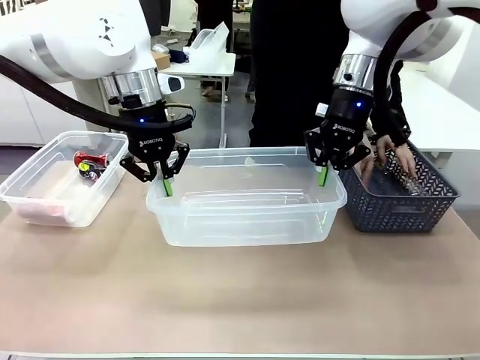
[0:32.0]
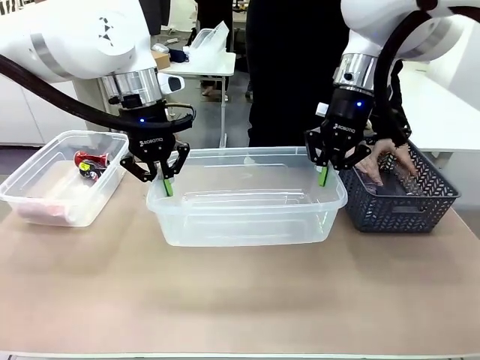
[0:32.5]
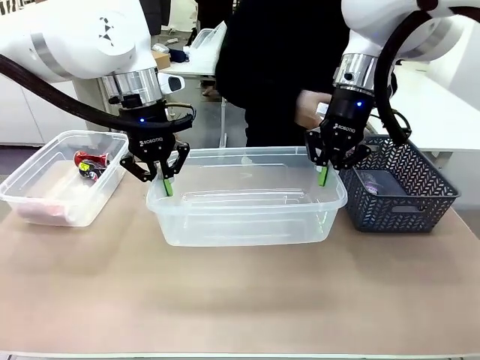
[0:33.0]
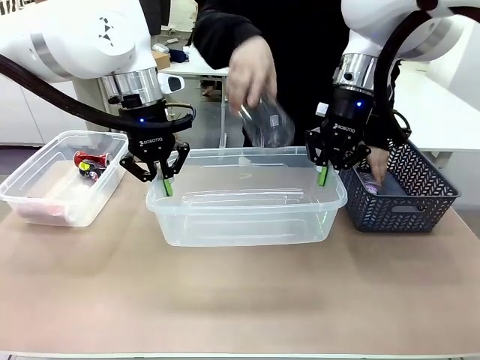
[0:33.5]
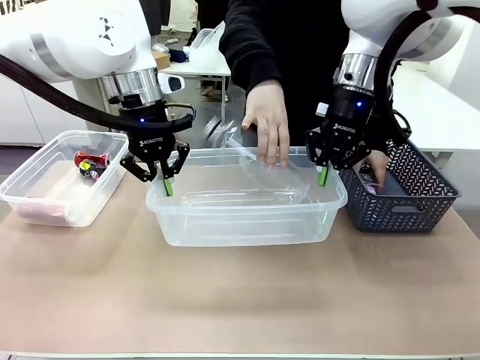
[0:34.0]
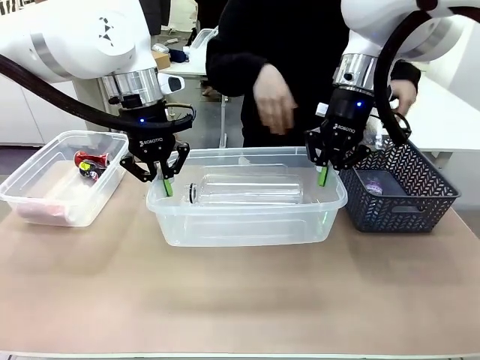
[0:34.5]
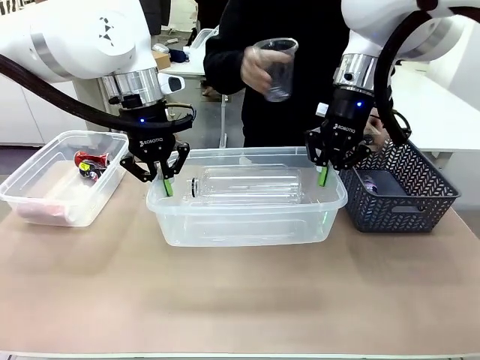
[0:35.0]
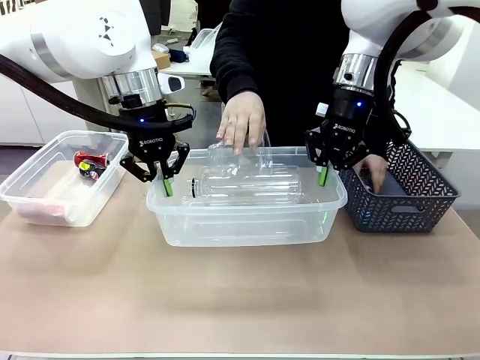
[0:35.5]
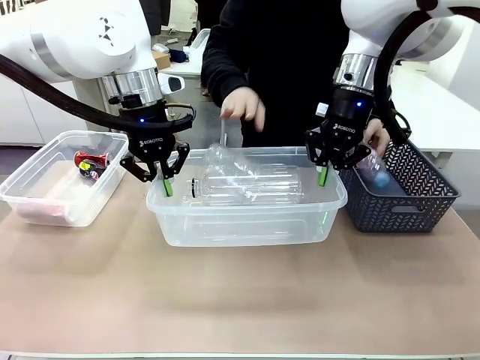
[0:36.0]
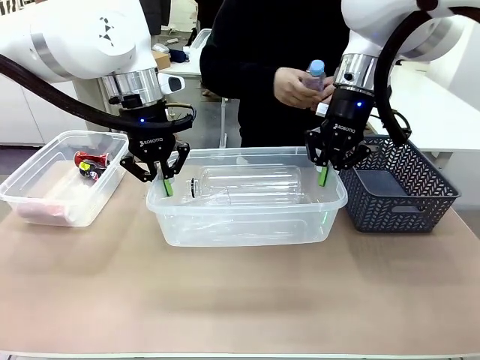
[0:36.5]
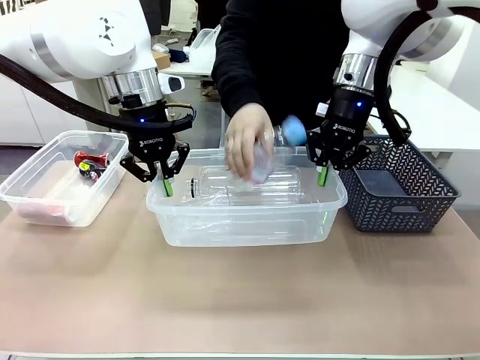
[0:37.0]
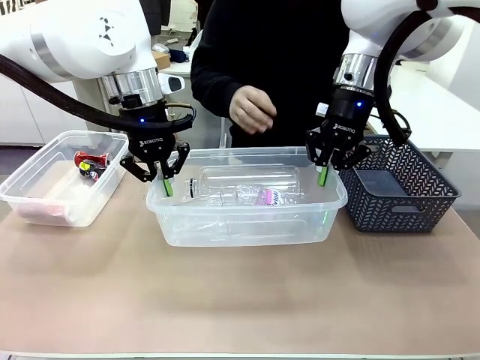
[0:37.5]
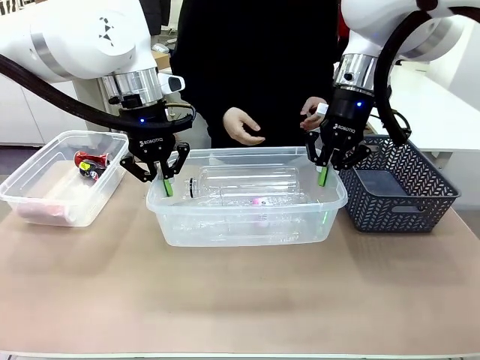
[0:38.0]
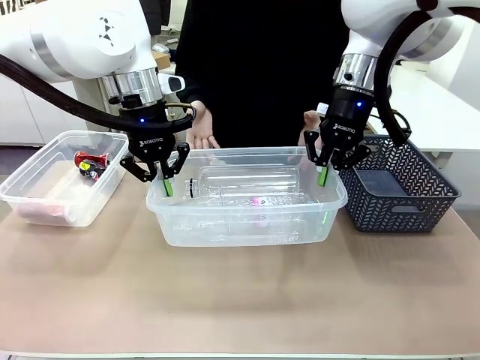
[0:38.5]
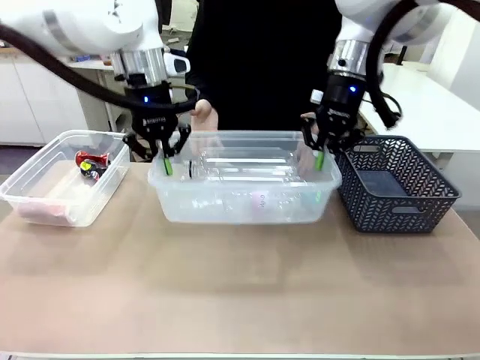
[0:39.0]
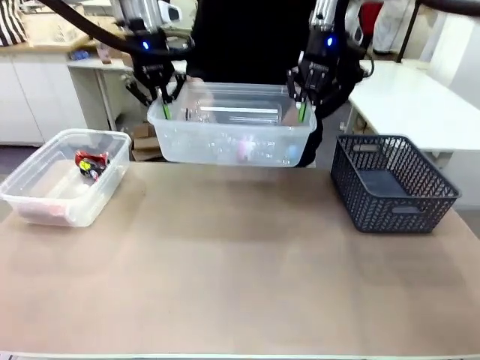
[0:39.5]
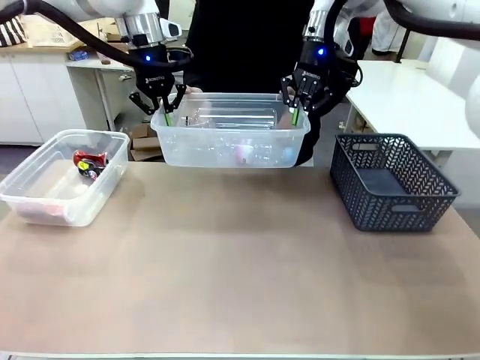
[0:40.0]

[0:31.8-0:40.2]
Robot: Offer the picked Organizing box to the human.
Person: Pick up plastic waste one by one and place it into the organizing box lifted by the robot.

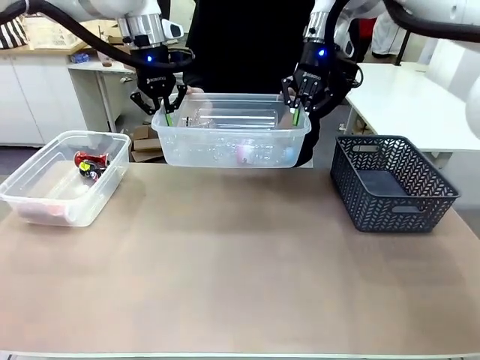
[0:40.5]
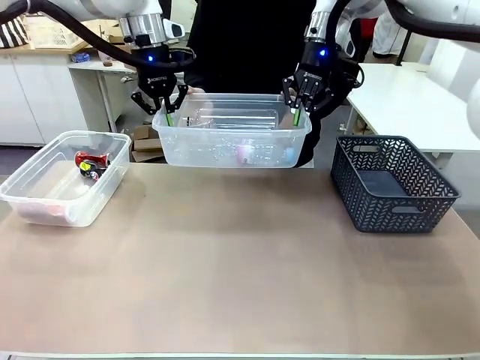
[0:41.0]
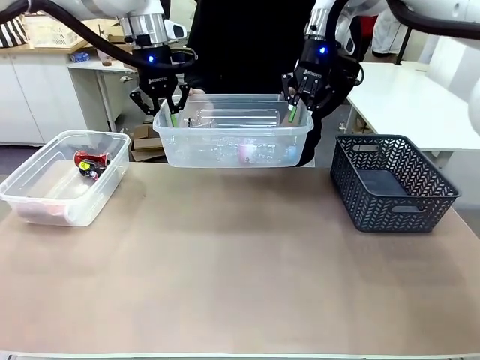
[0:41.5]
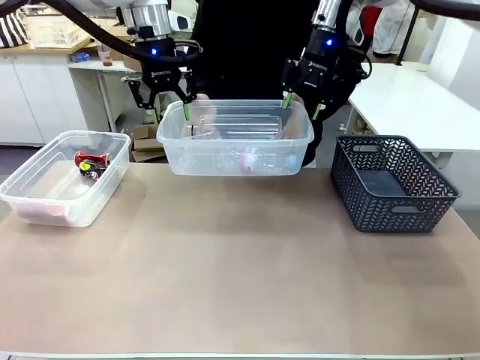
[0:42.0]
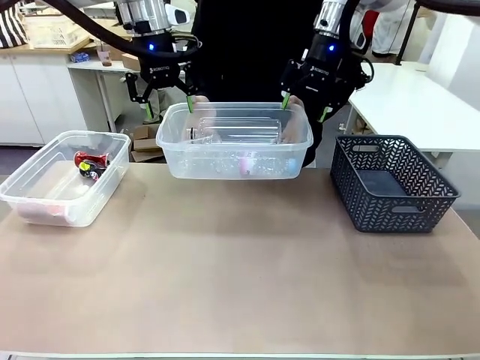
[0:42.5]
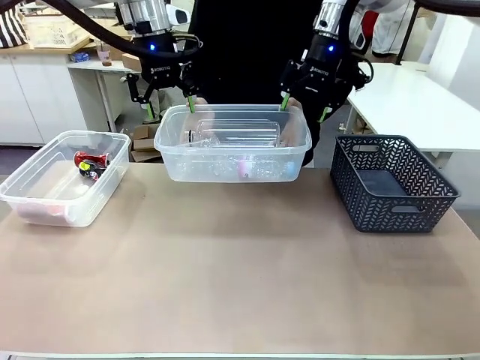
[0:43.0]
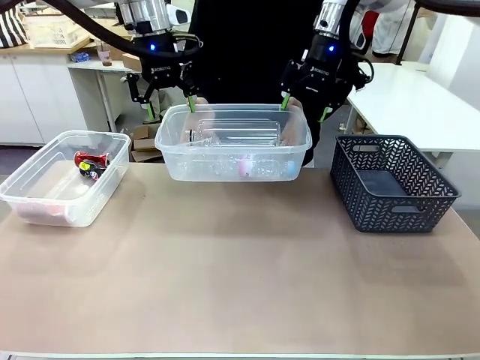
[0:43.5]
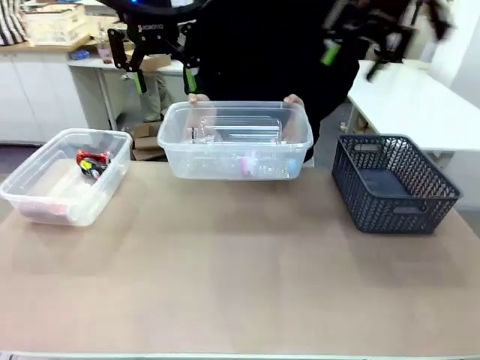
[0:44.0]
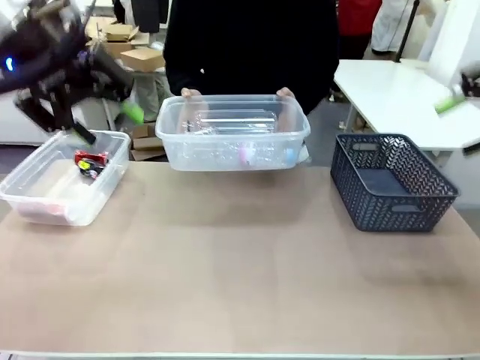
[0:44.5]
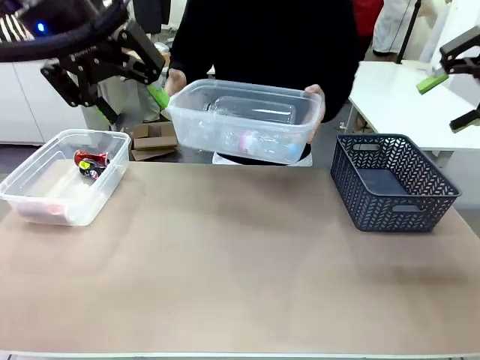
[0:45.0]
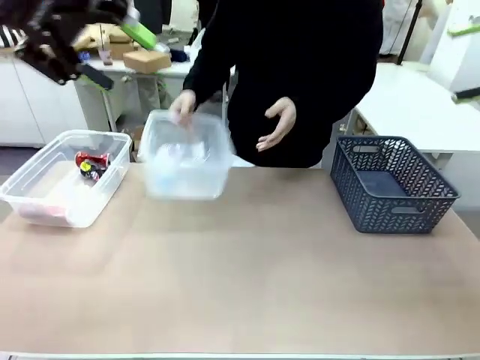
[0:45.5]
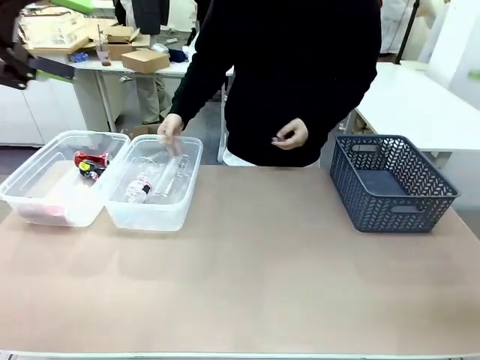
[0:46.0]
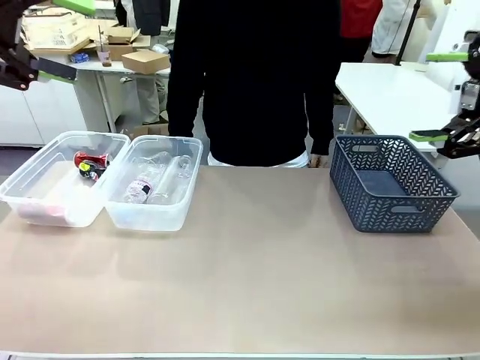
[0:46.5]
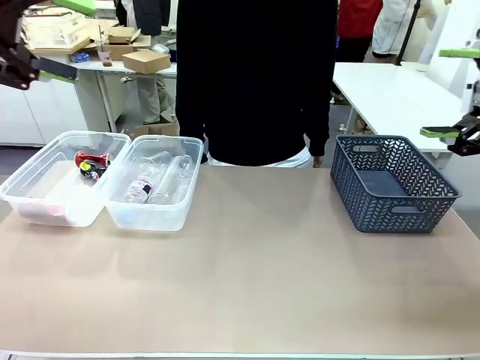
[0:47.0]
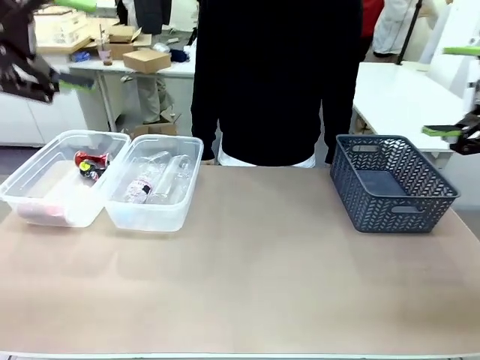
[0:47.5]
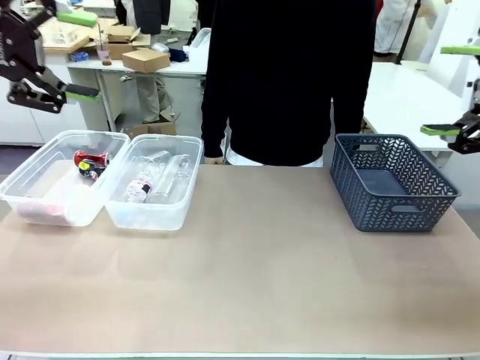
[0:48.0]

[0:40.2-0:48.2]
Robot: Release the Organizing box you were holding.
Person: Pick up the organizing box extended by the robot. Place the organizing box to the left of the sorting box containing the can waste.

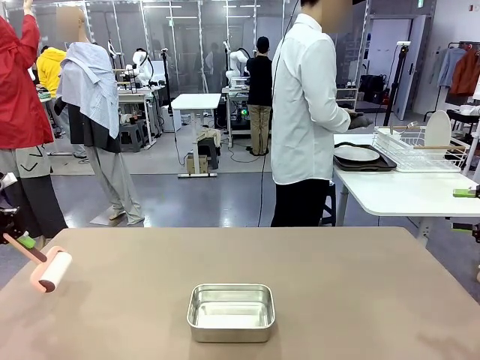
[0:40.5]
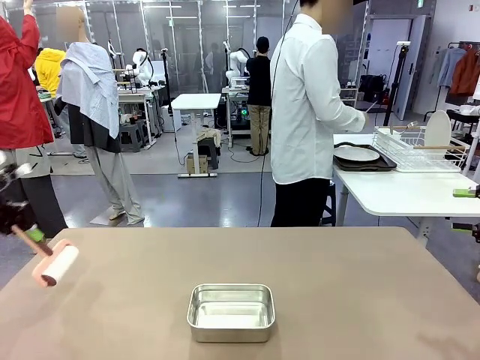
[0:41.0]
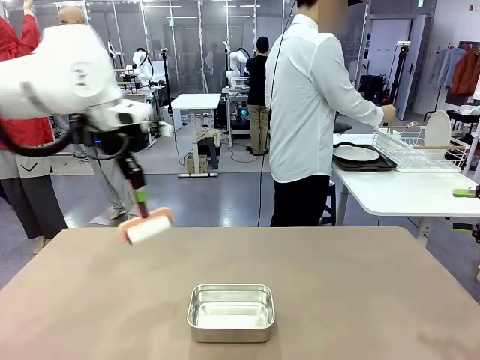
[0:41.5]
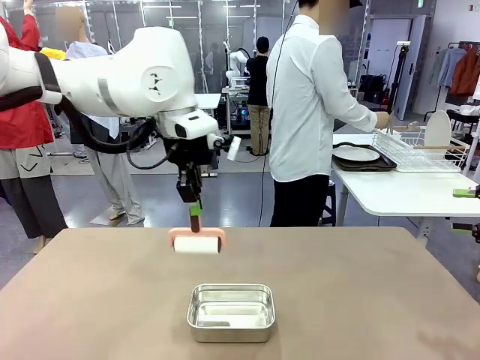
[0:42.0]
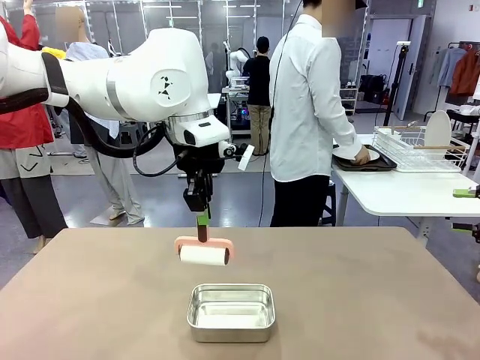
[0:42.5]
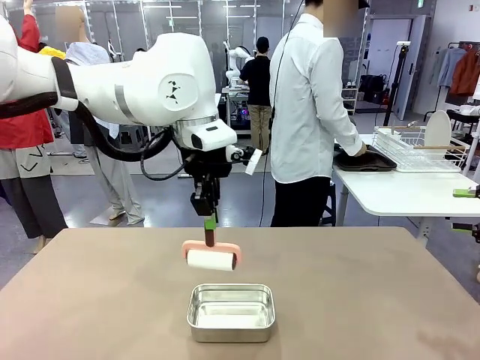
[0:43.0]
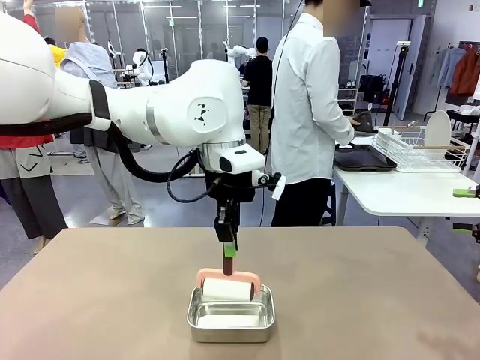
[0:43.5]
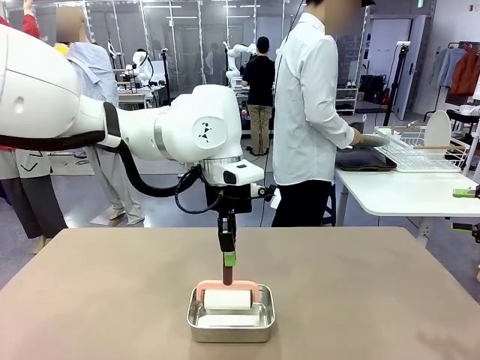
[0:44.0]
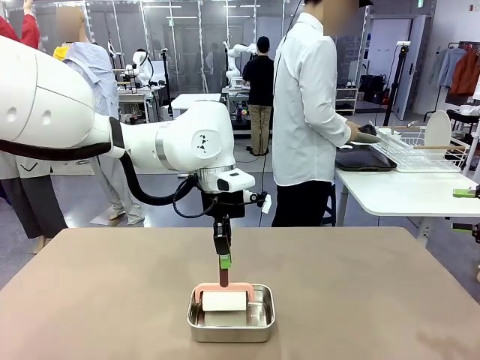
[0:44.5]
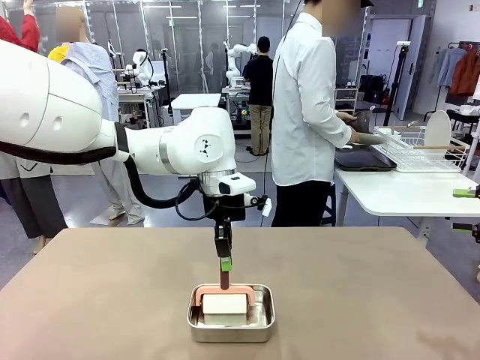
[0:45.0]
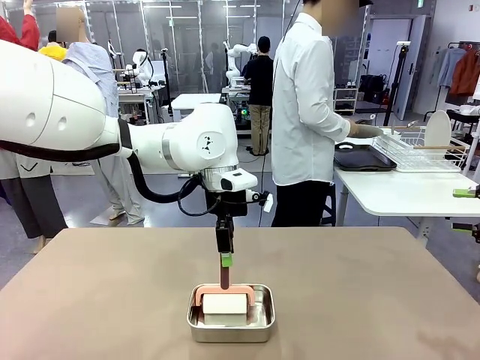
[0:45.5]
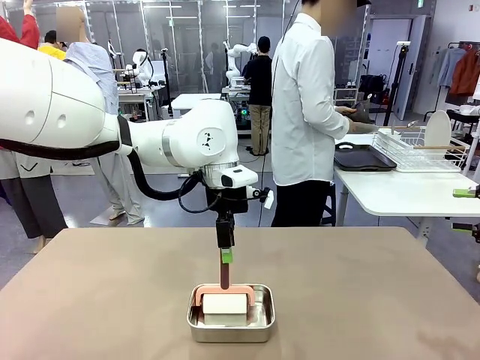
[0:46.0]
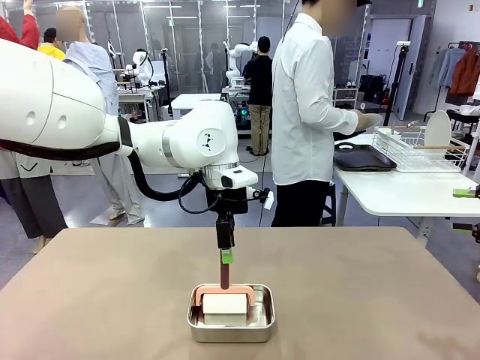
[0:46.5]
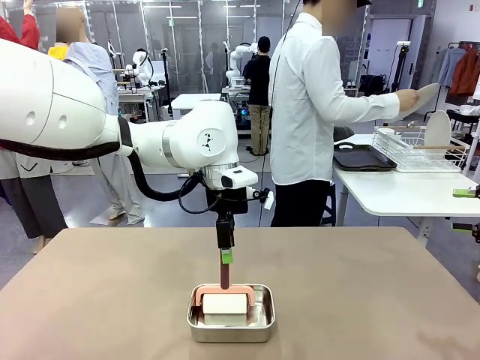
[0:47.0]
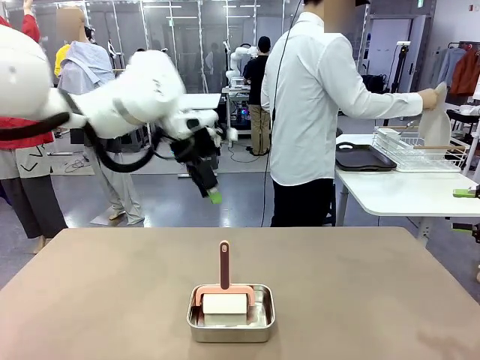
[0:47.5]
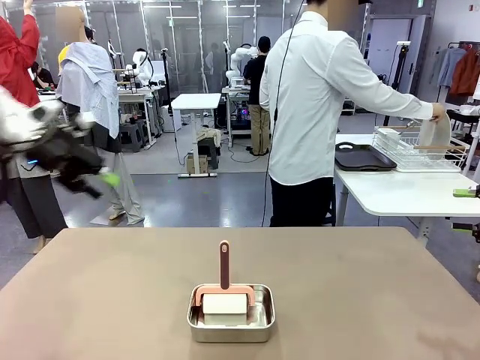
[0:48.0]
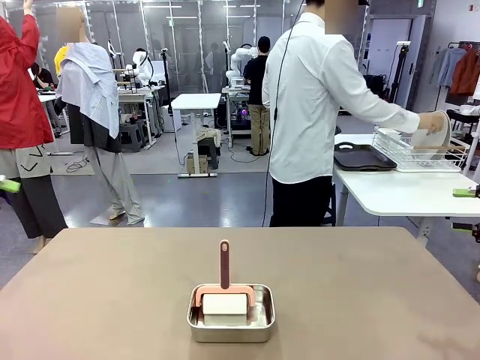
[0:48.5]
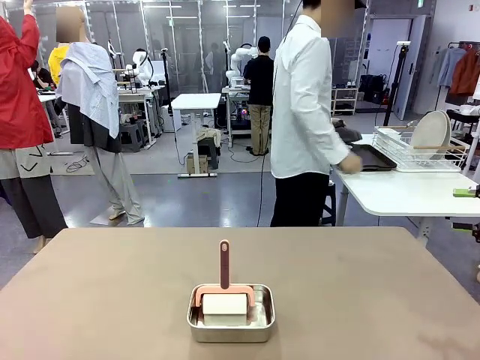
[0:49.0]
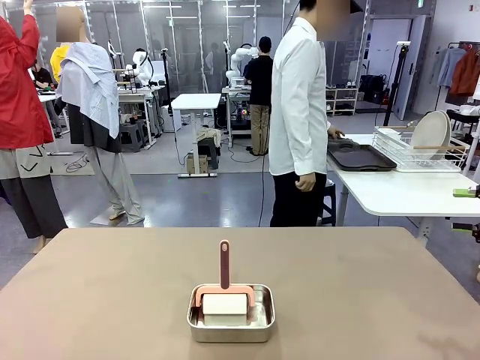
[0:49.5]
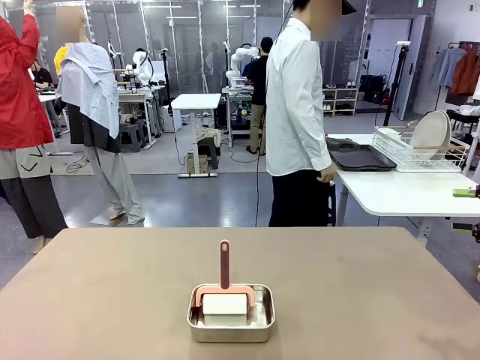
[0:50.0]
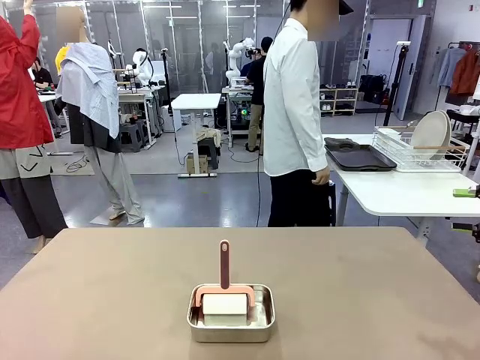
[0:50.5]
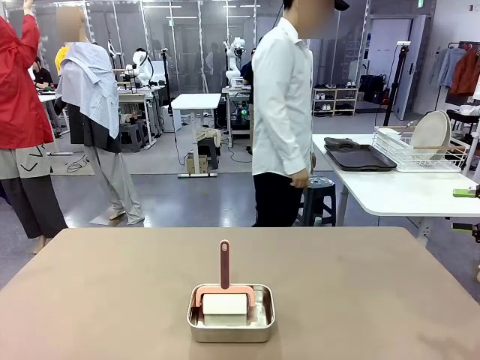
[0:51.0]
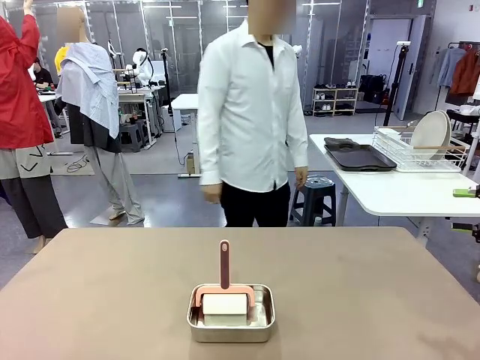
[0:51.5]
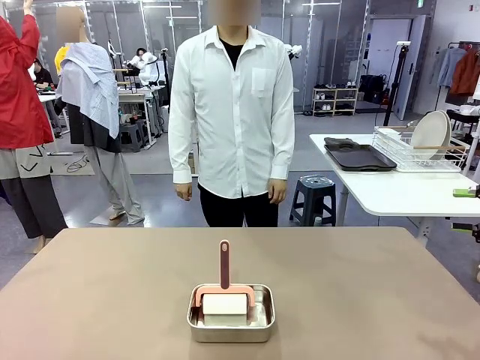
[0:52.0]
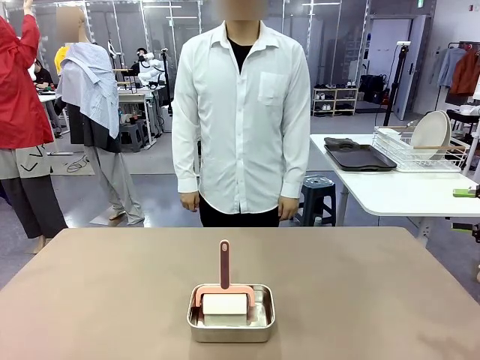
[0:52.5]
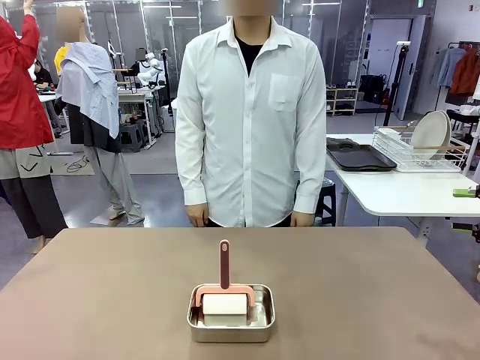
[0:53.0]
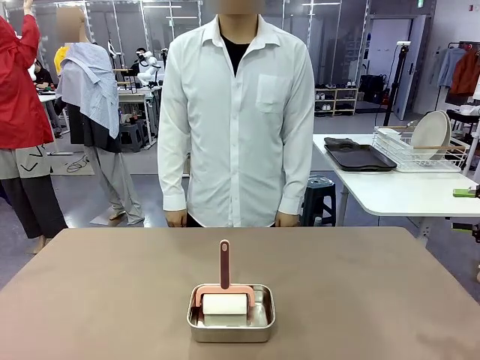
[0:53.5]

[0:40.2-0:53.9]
Robot: Place the Lint Roller back on top of the Airtight Container.
Person: Use the Towel with hook to wipe the Plastic Matte Plate , Fork , and Knife and place into the Dish drying rack.
